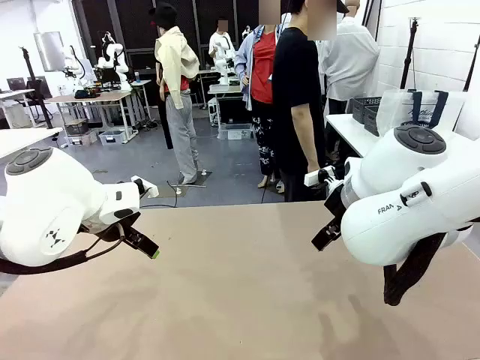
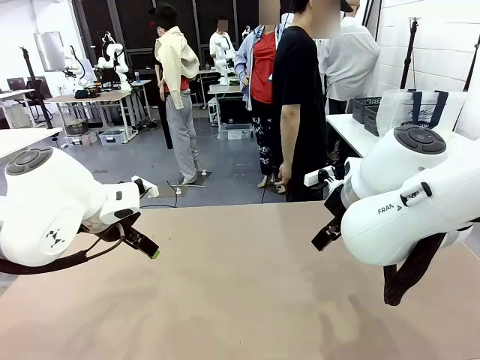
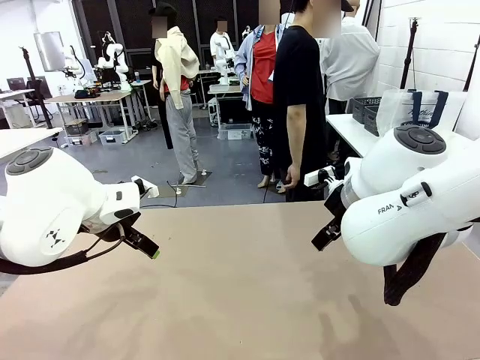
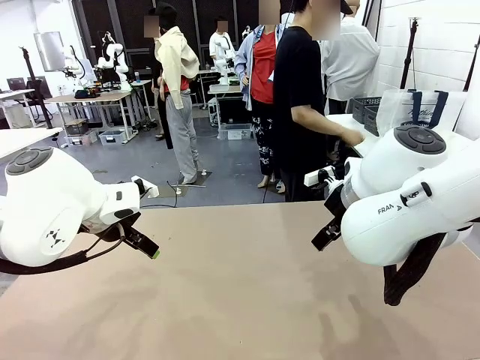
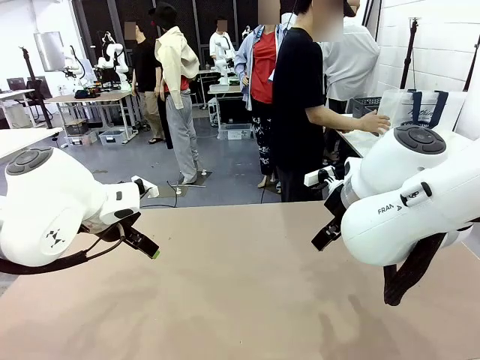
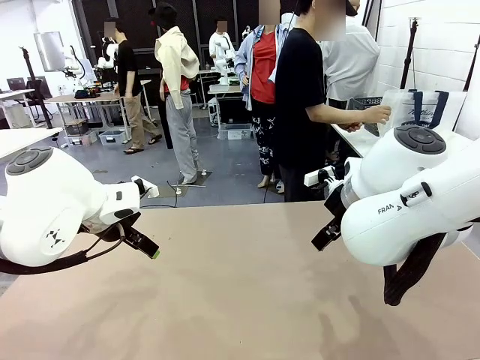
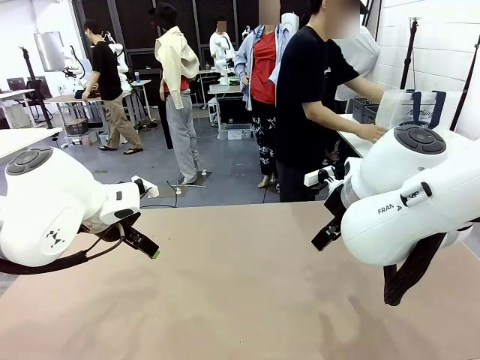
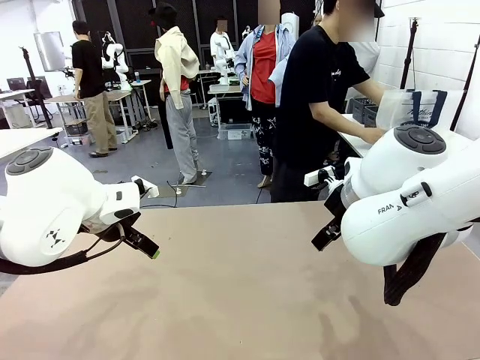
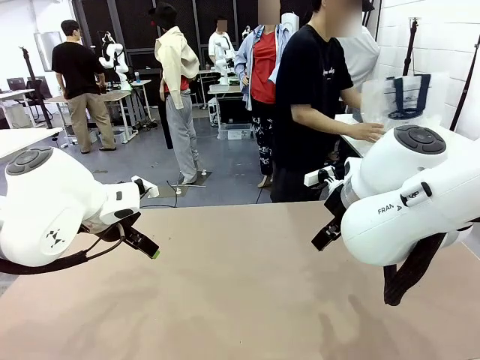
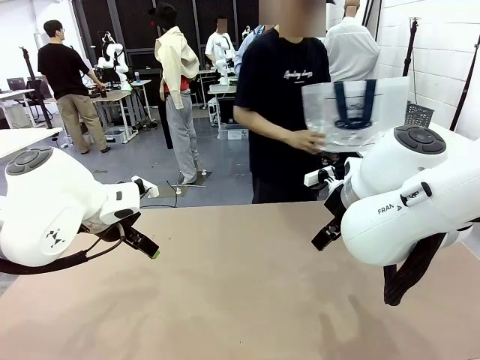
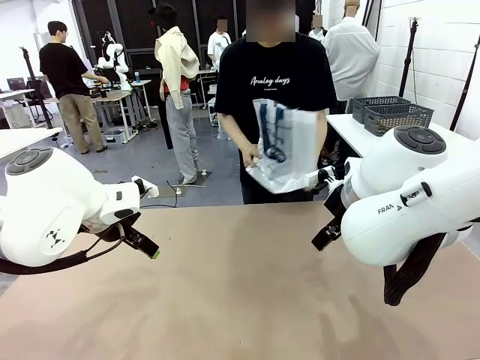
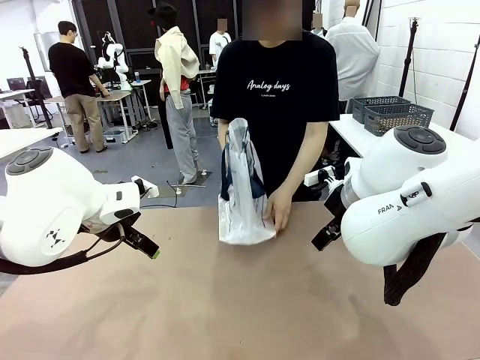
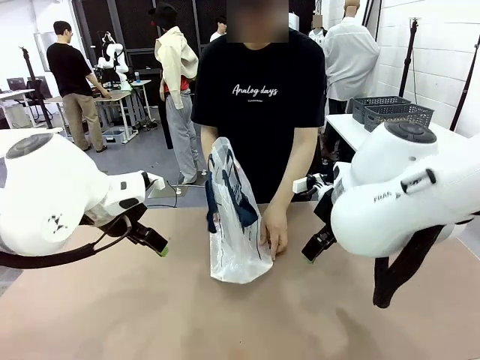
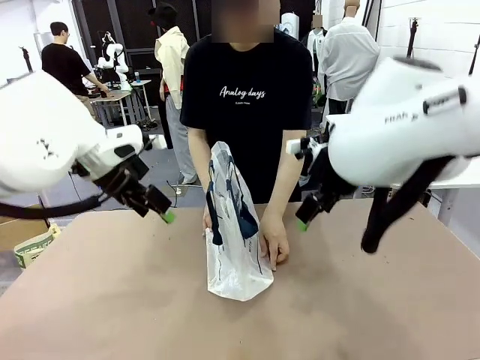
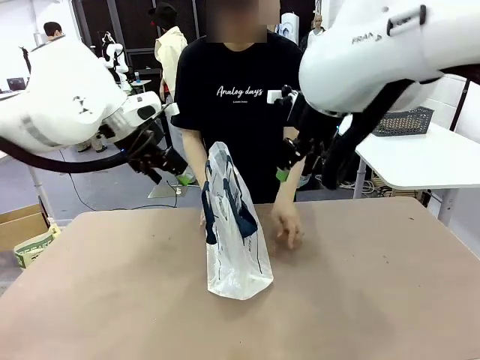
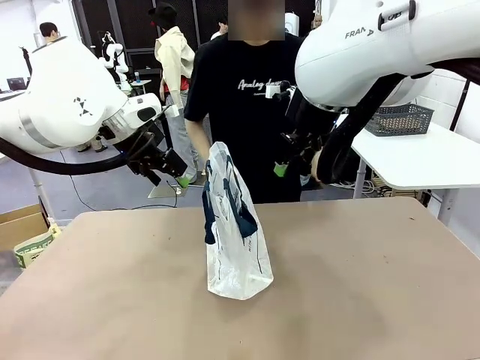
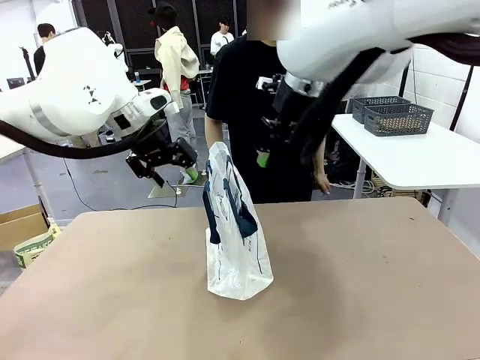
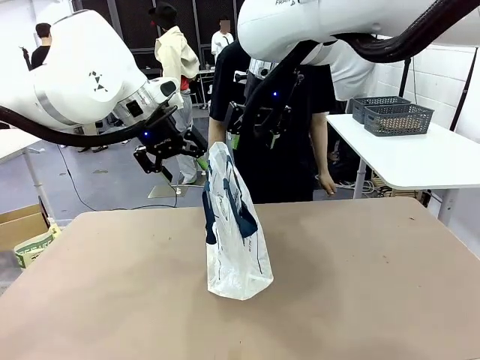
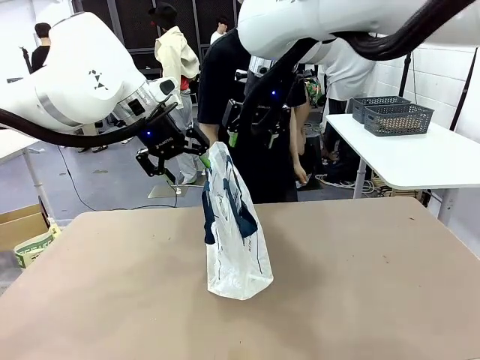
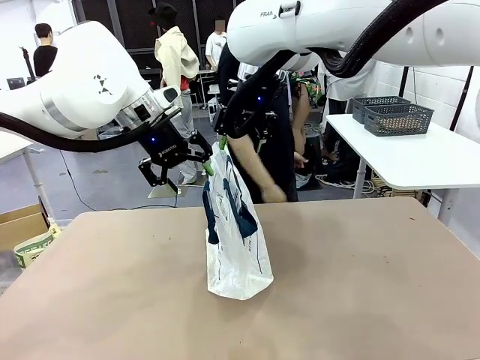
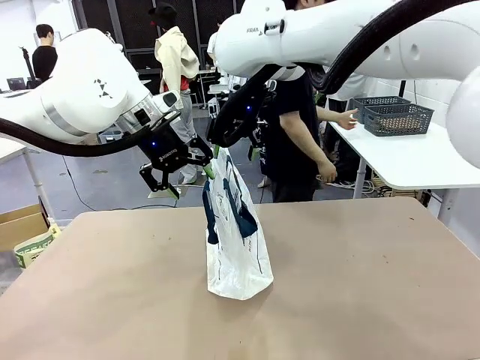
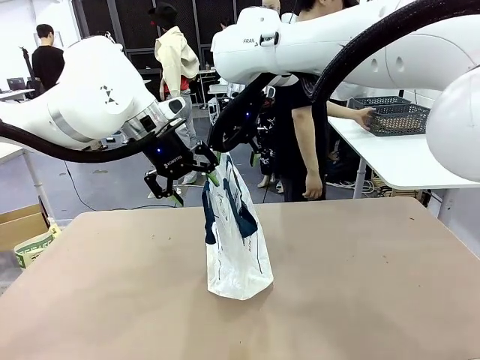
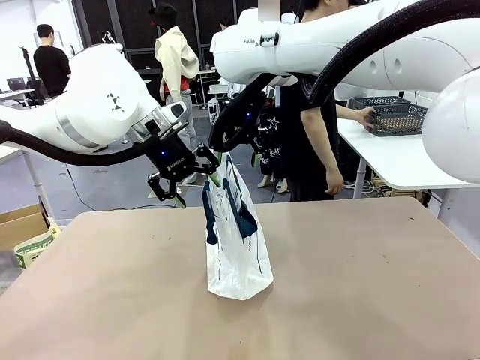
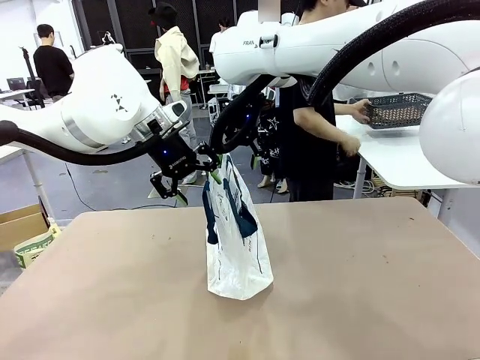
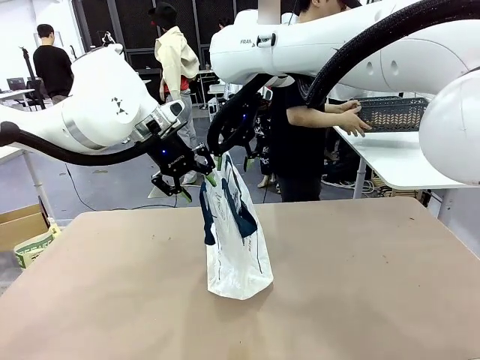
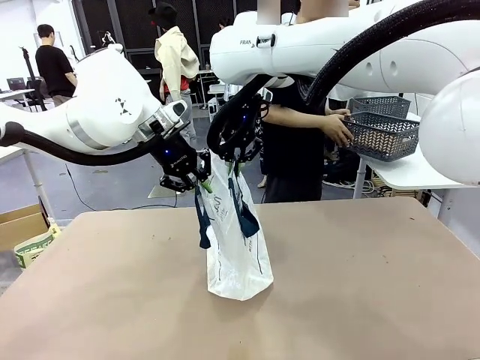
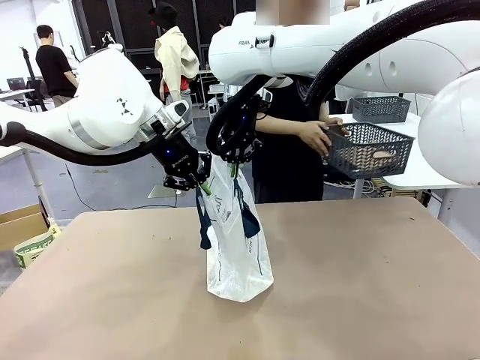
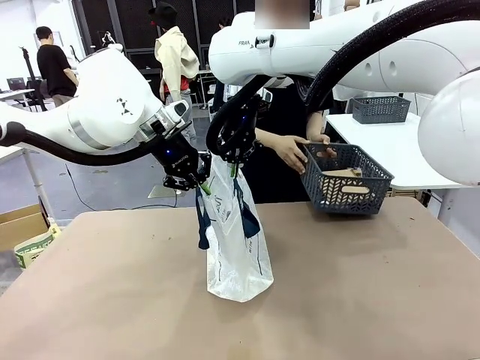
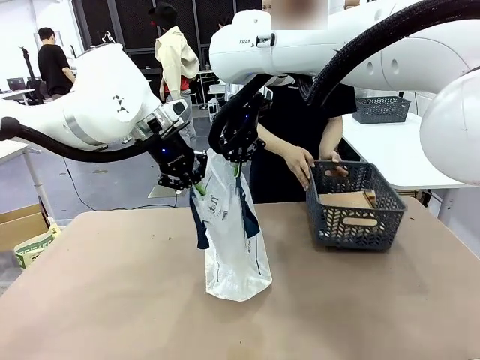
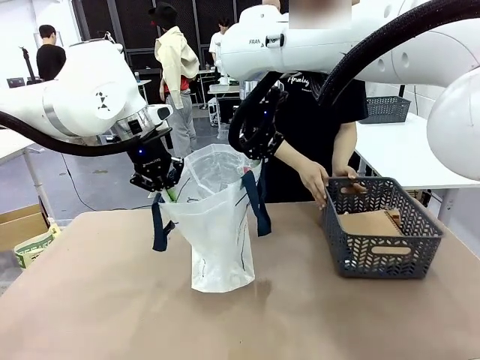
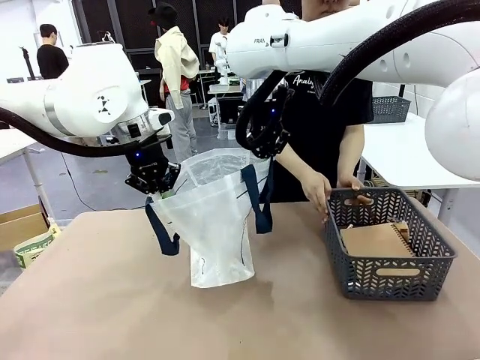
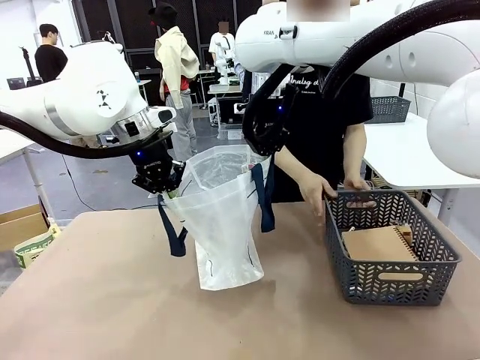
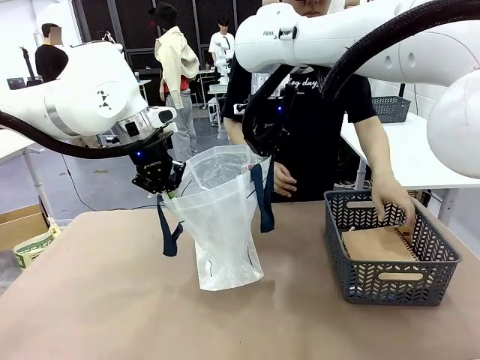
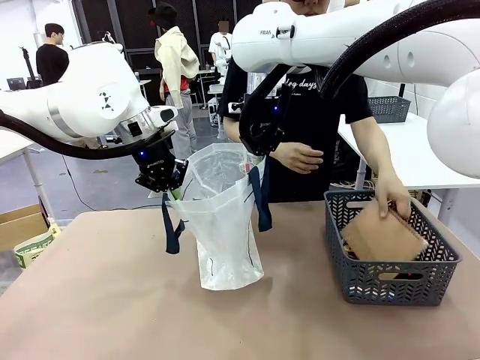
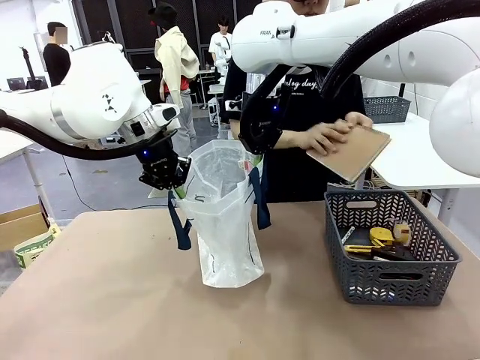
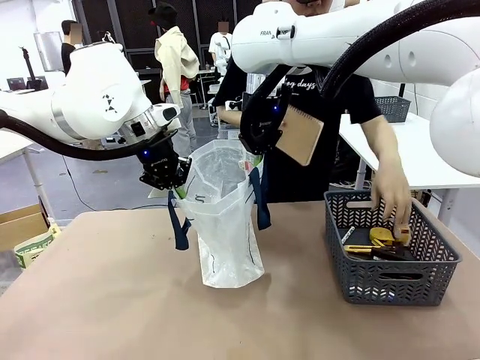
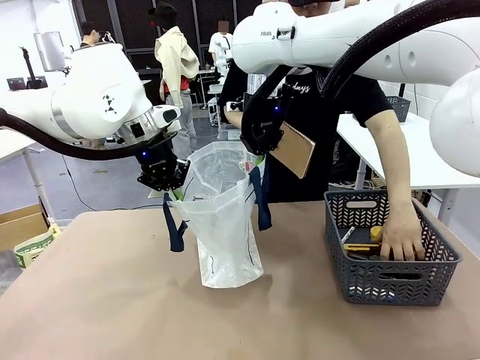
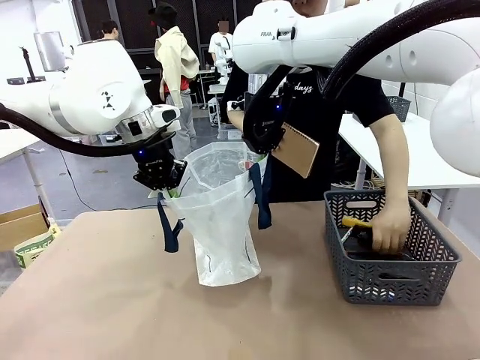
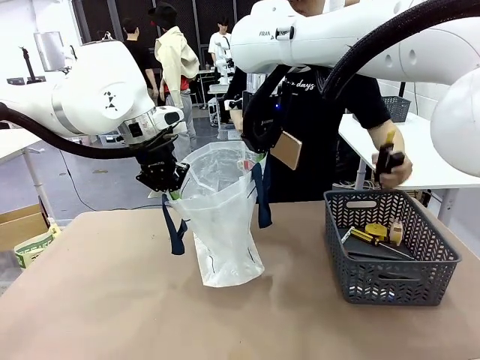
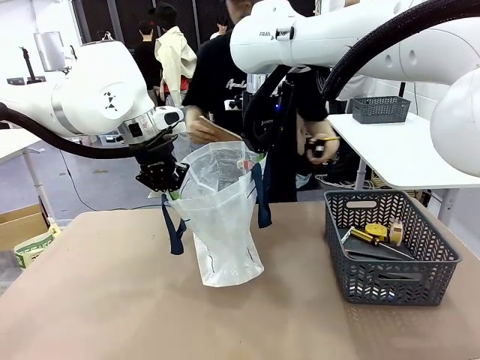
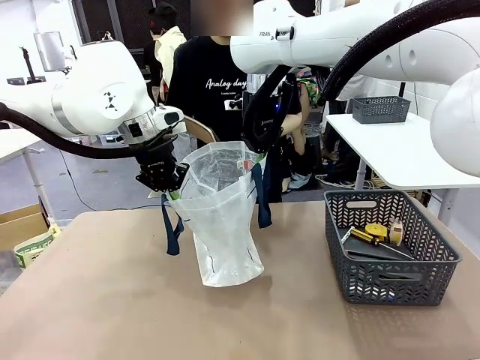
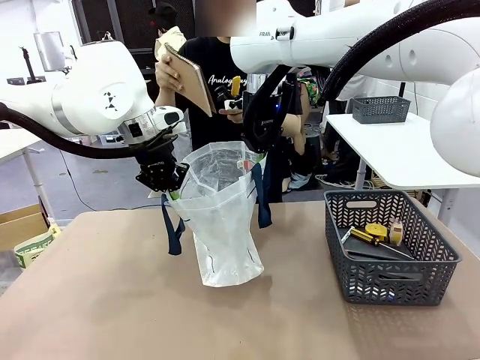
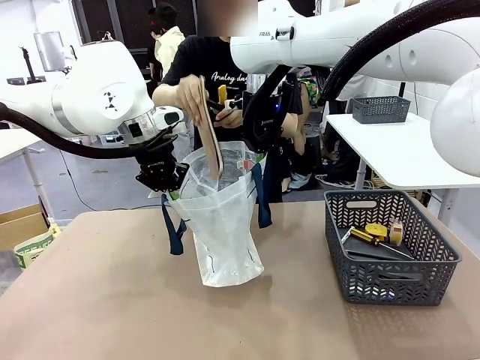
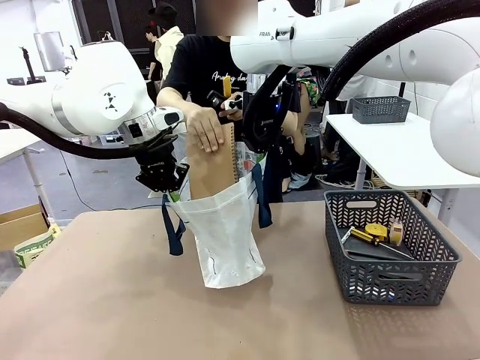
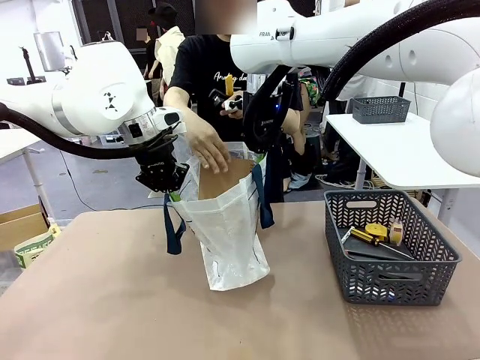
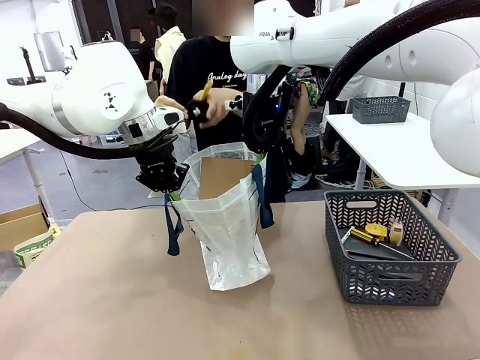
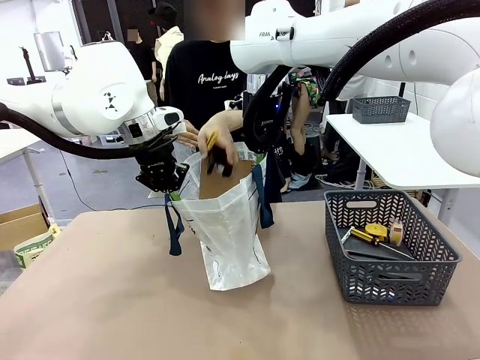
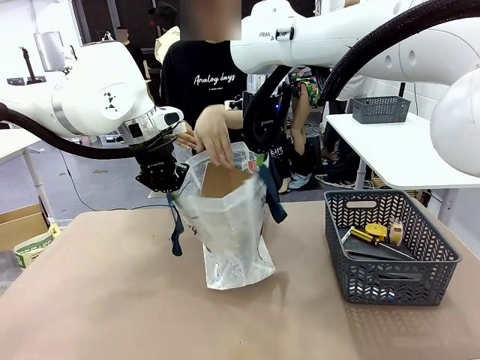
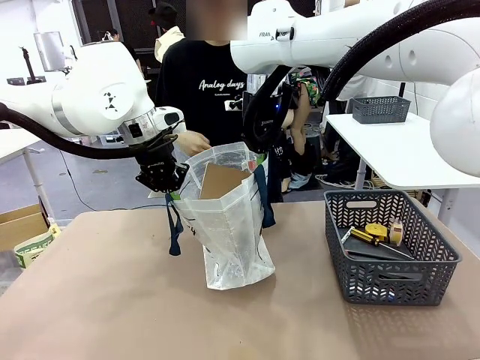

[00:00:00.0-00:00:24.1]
Task: Transfer purchased items from the store into the shopping bag.
Robot: Open the Reusable shopping bag in the center of the table.
Person: Pick up the shopping bag and place it in the middle of the robot table. Pick up the basket on the right, place it on the left side of the robot table, and move the items in the basket to the shopping bag.
